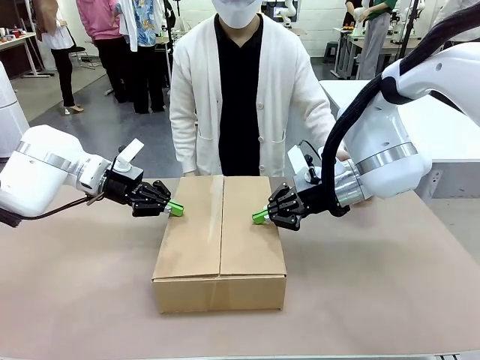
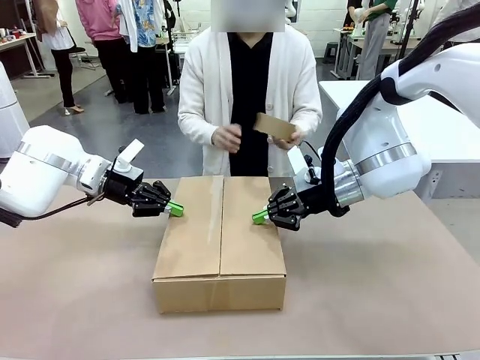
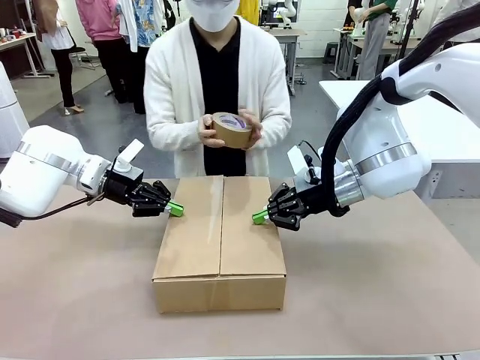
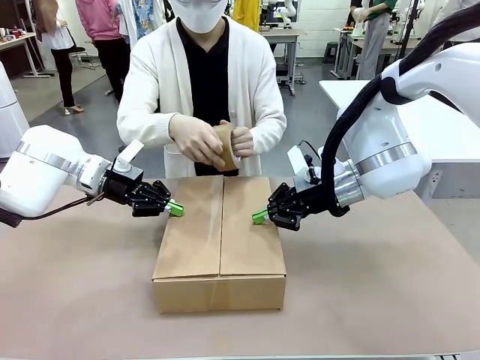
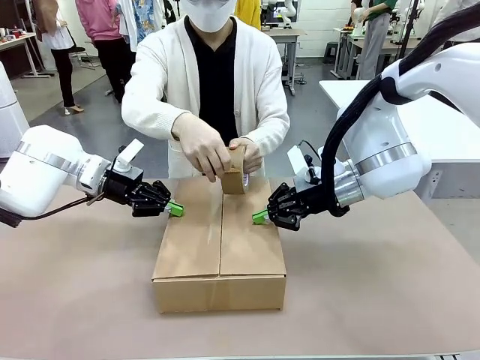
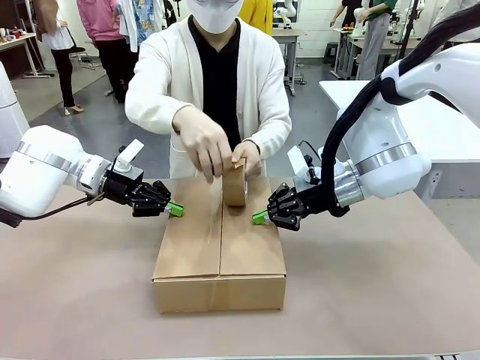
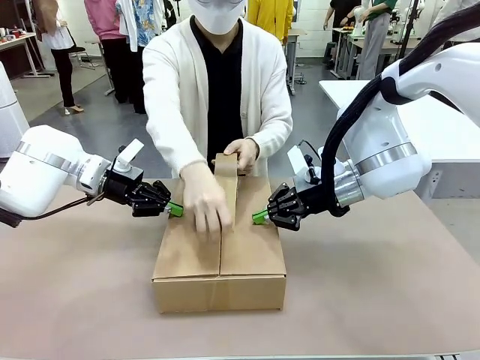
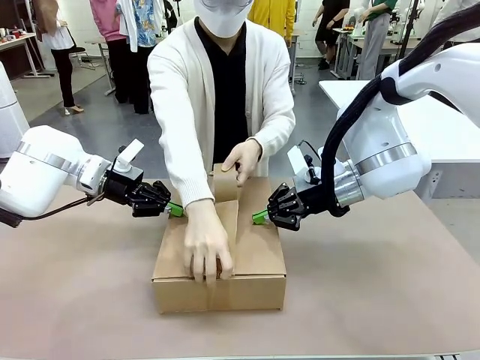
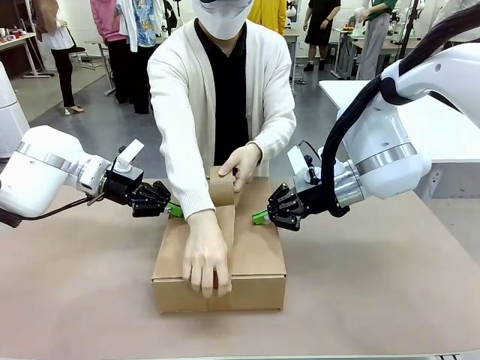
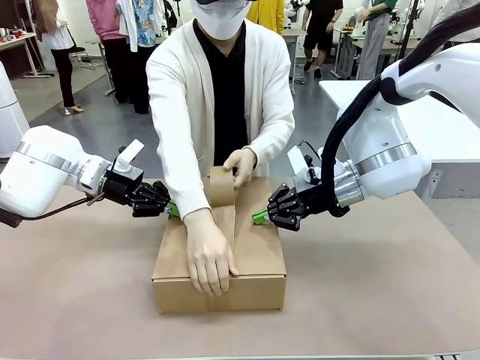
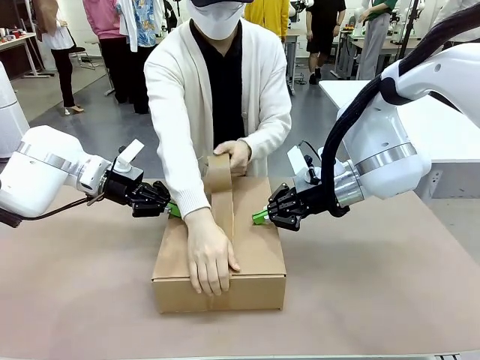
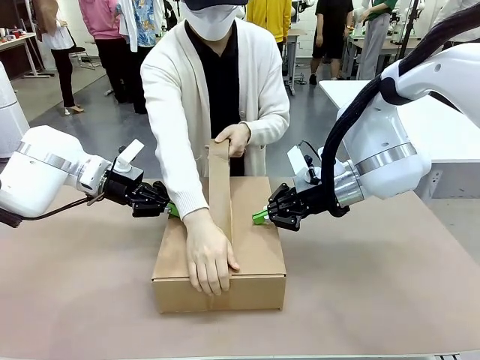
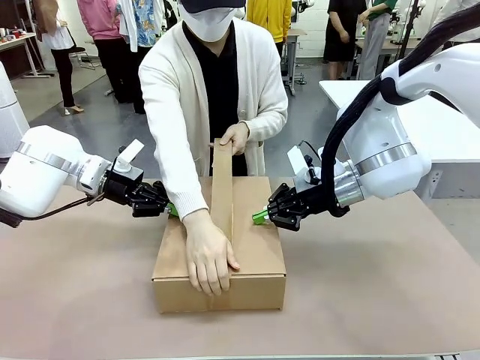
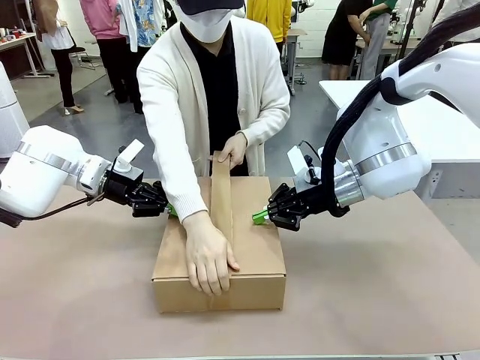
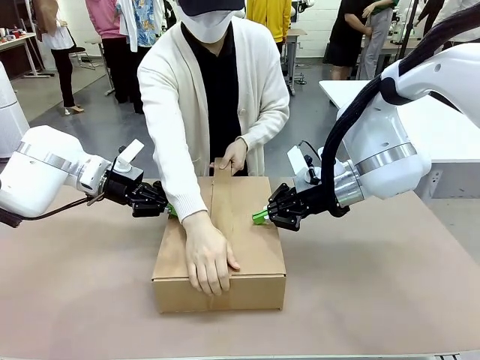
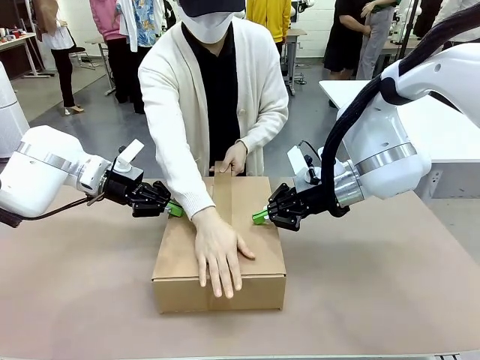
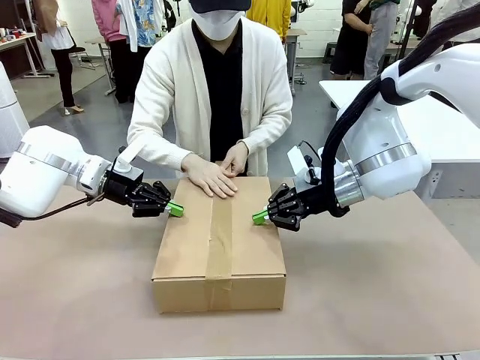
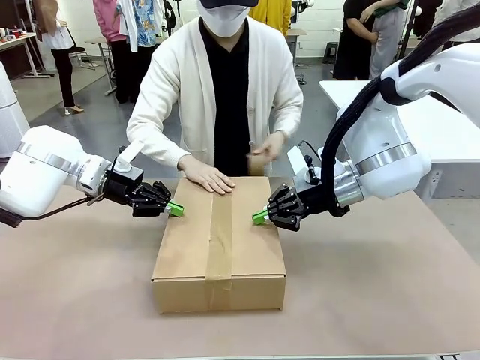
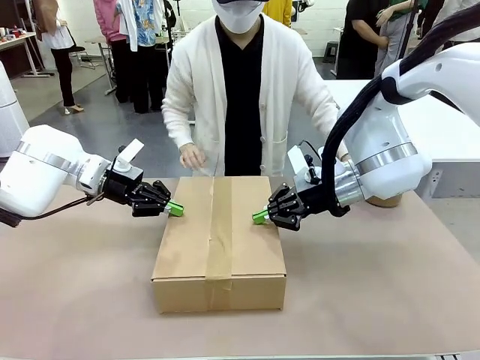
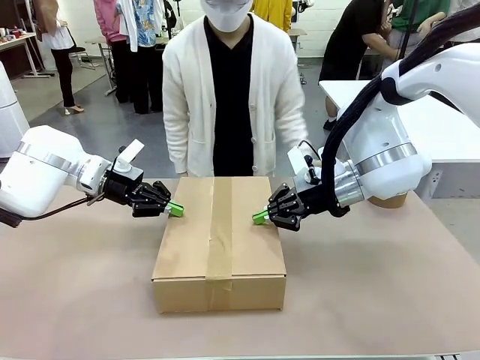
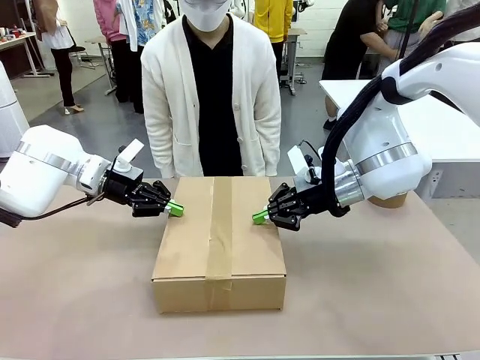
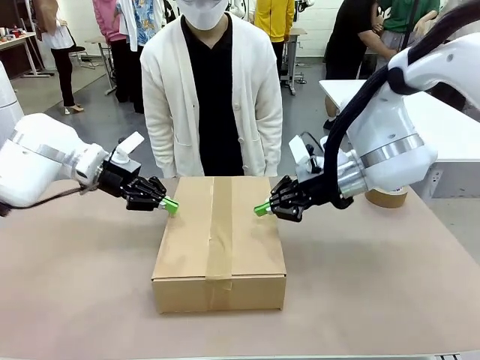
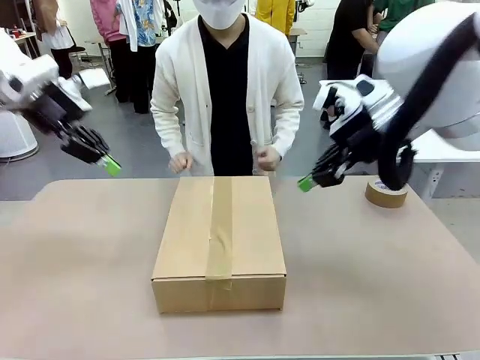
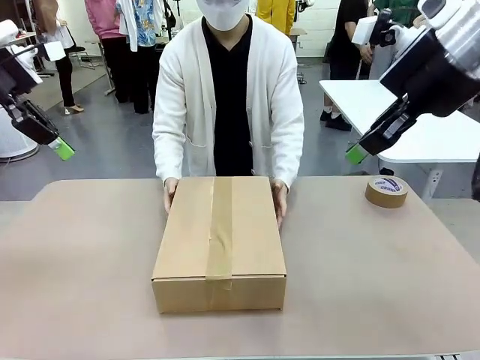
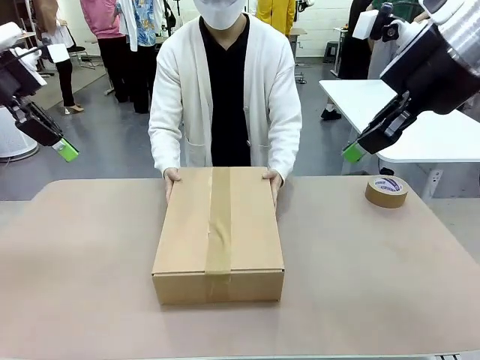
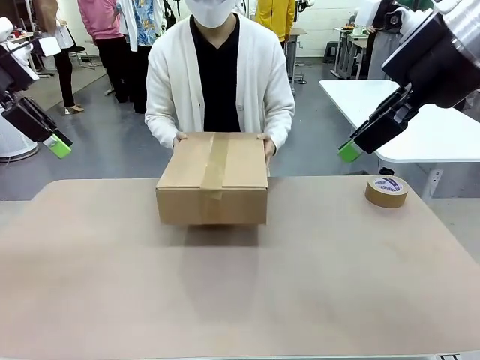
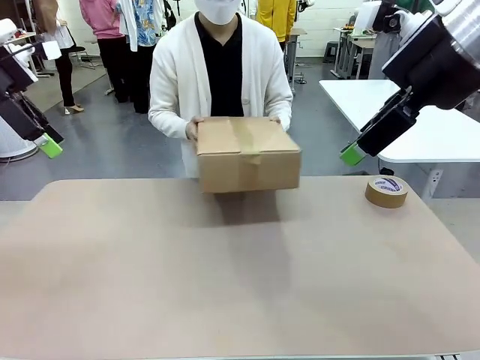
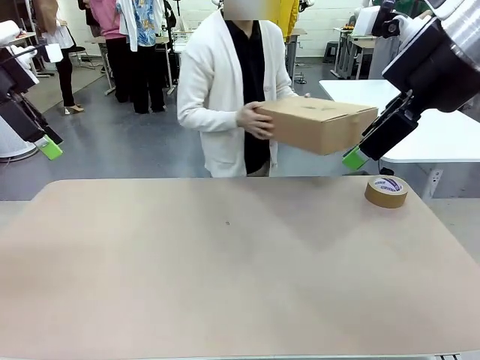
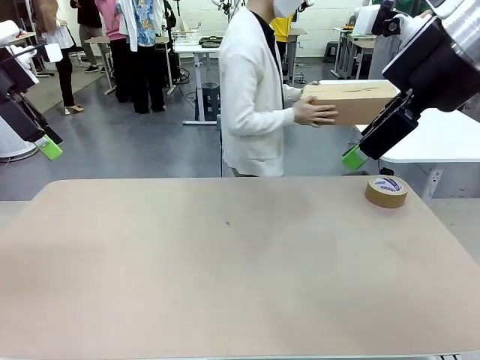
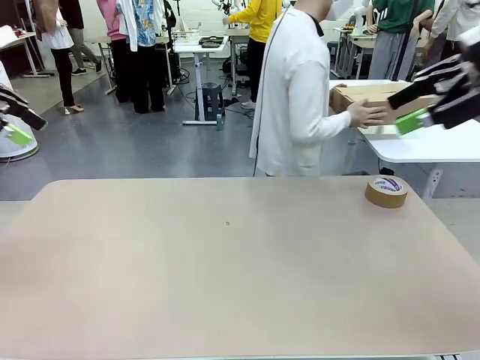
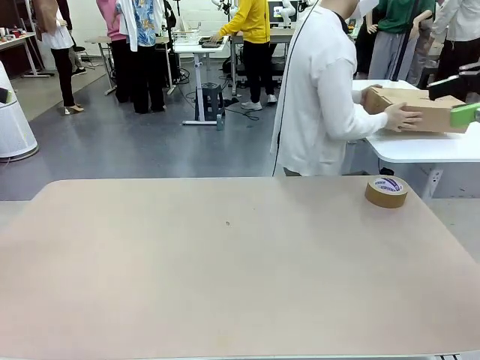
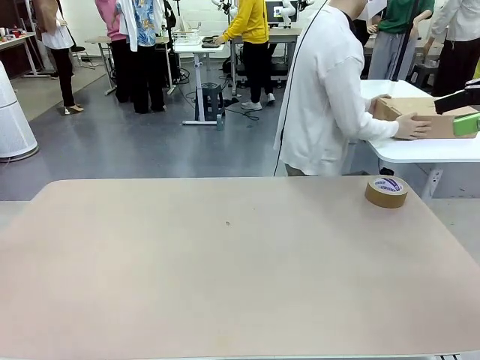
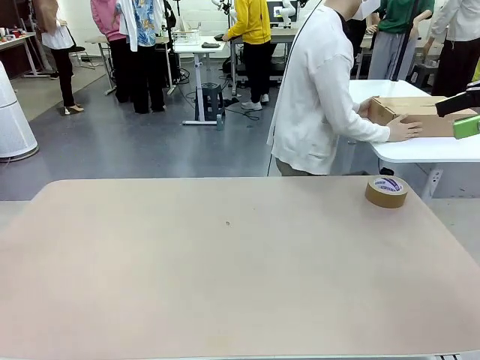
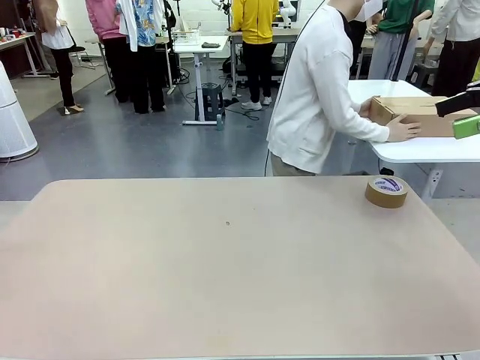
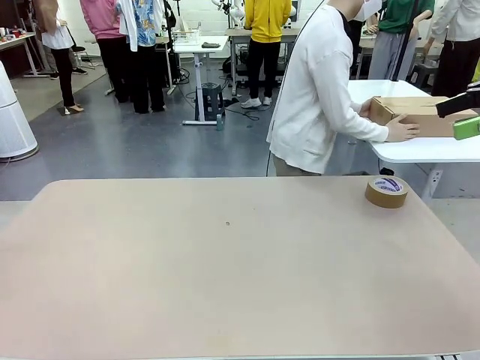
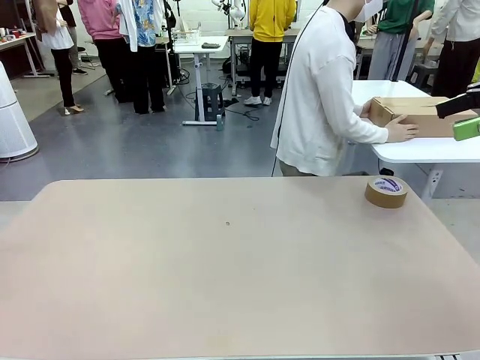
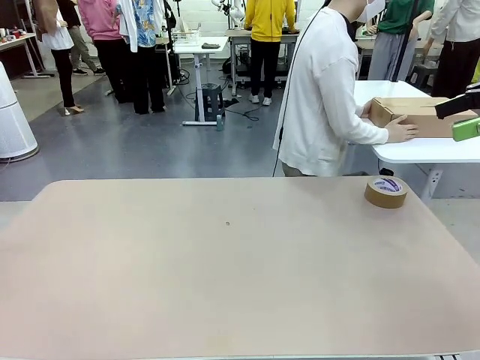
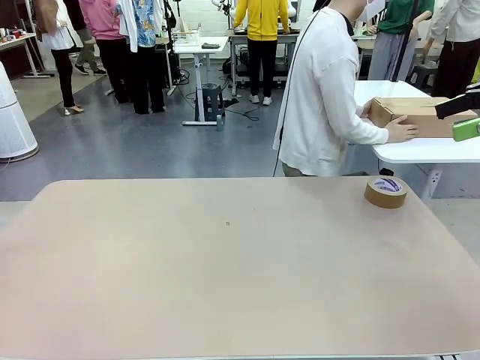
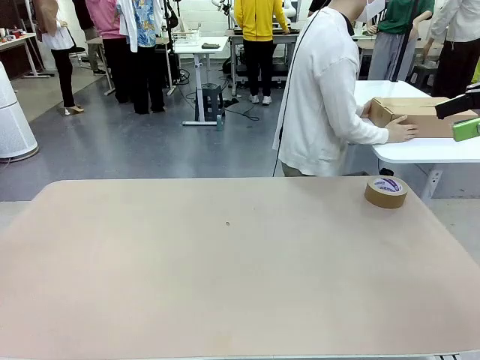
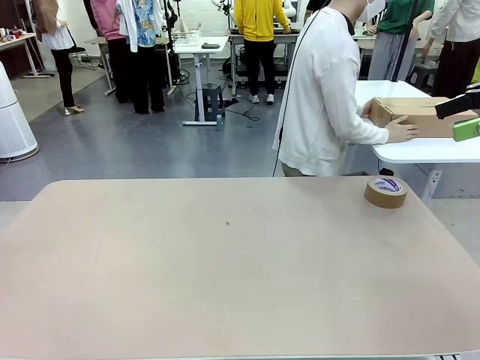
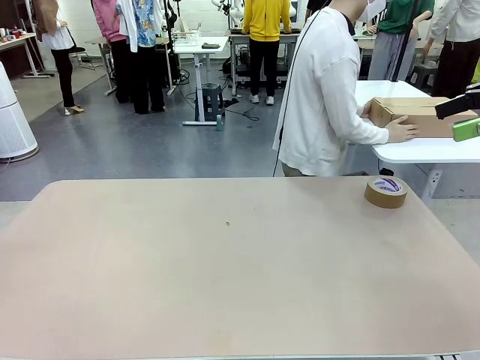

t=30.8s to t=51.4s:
Task: Wrap the clocks to prevent damage.
Robot: After the human seals the box with tape, release both hands from the side flaps of the Package Box.
Person: Once the robot closes the left flap of the Package Box , seal the box with Paper Tape. Place sealed Package Box in the middle of the human's table.

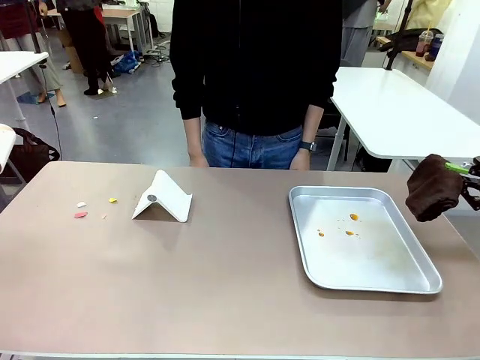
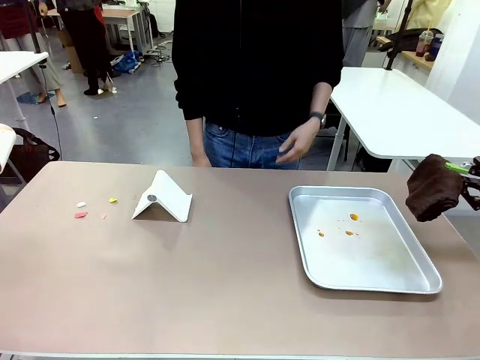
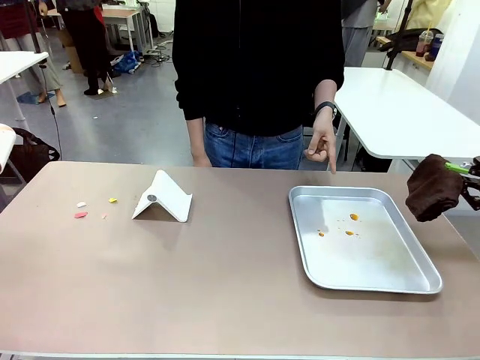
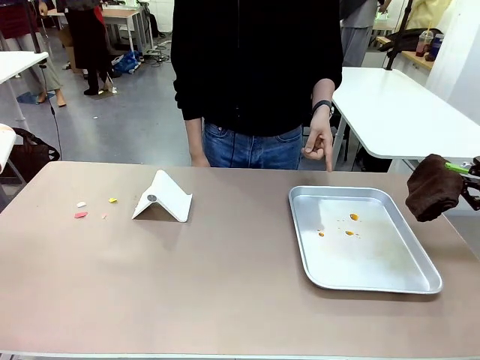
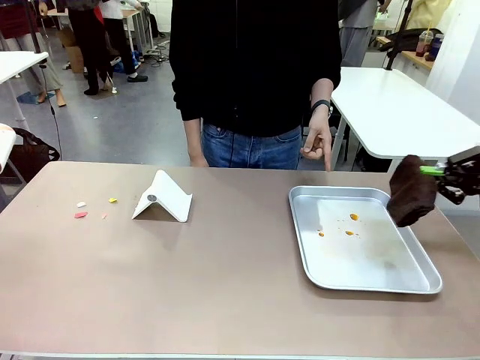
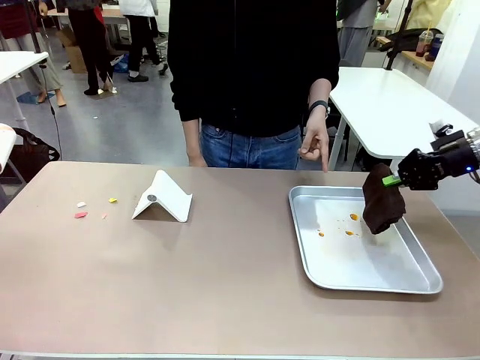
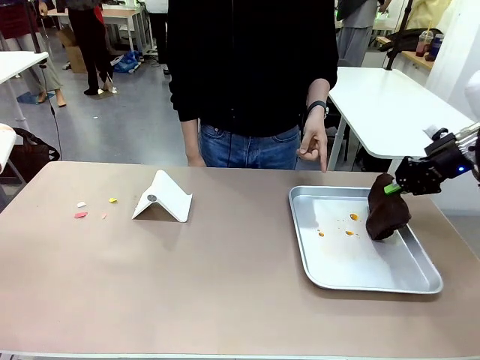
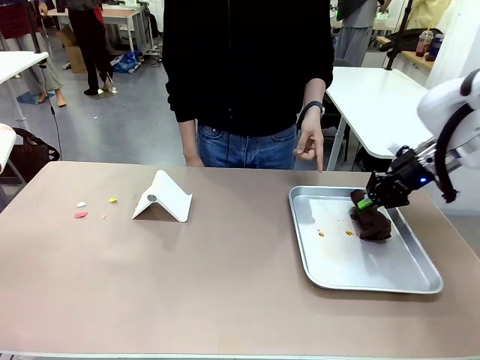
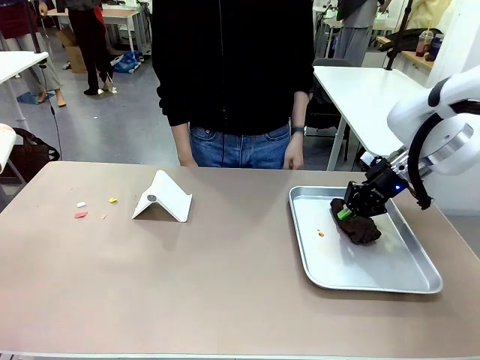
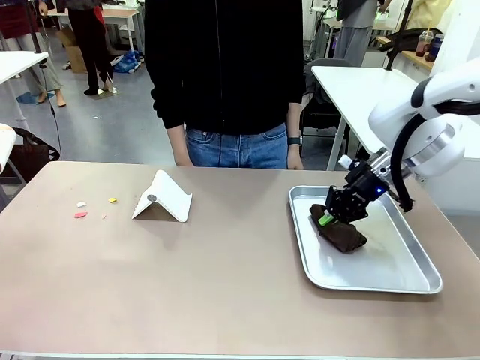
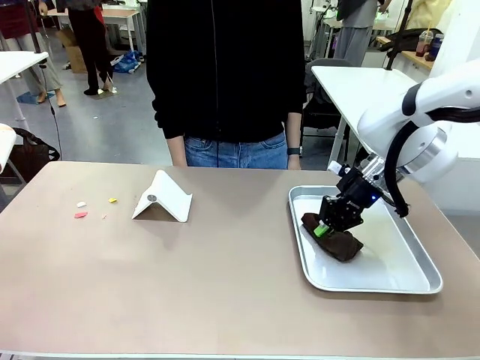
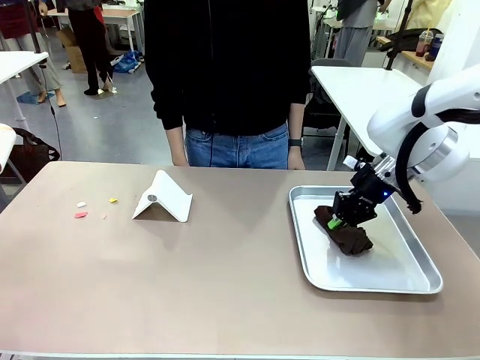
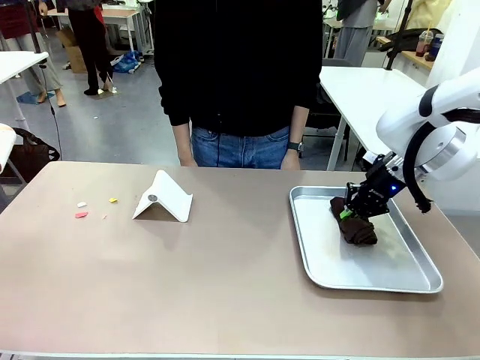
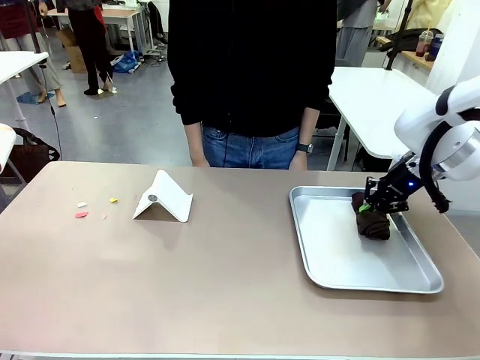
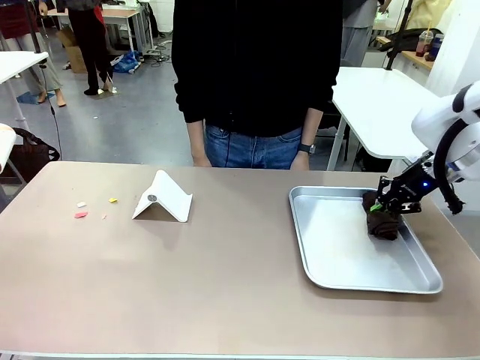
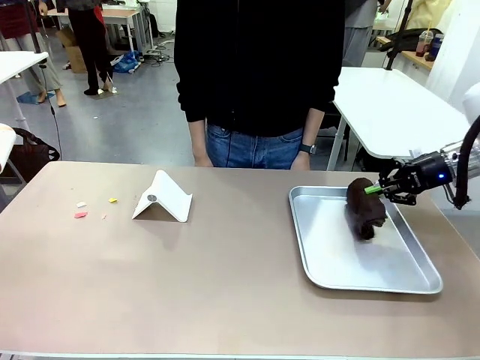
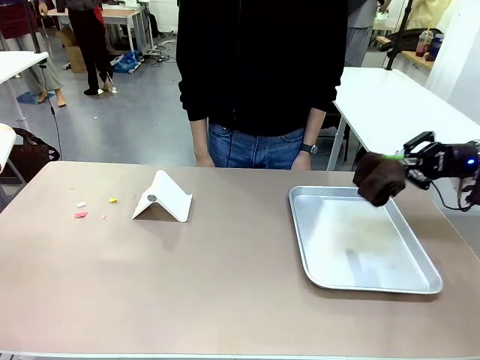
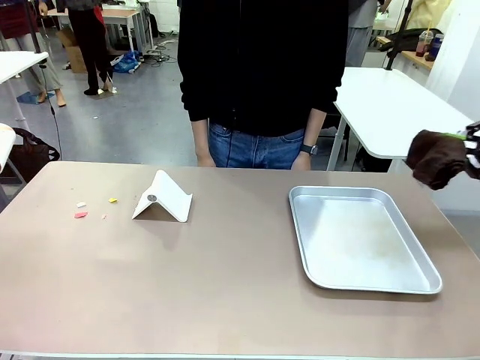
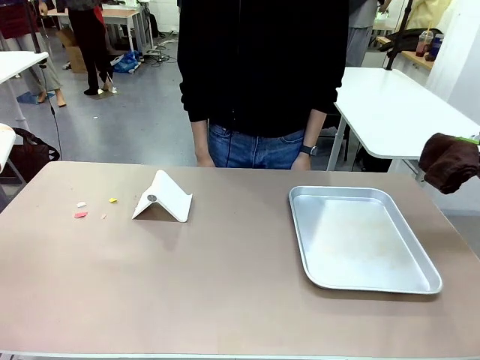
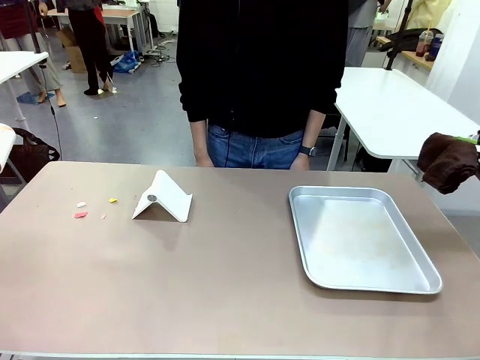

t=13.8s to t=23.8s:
Task: Clean the surface of the table.
Robot: If a person points to the right, clean the right side of the table with your right hand, and if they point to the left, clean the left side with your left hand.
